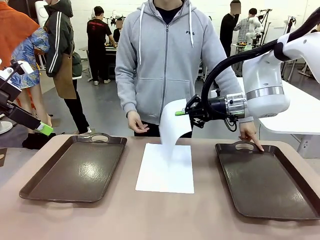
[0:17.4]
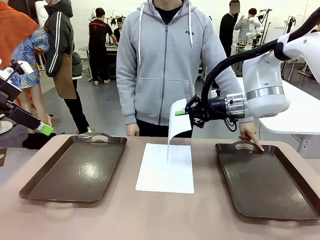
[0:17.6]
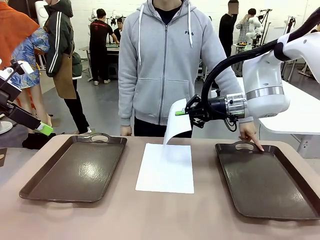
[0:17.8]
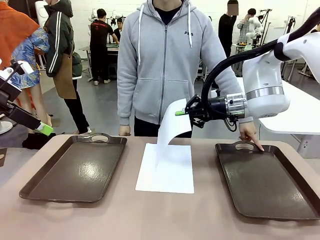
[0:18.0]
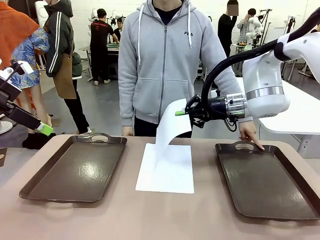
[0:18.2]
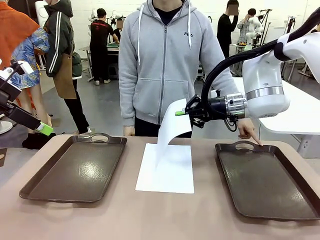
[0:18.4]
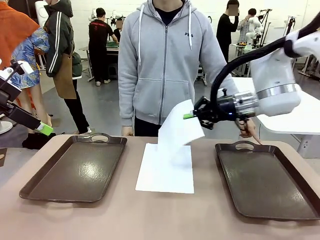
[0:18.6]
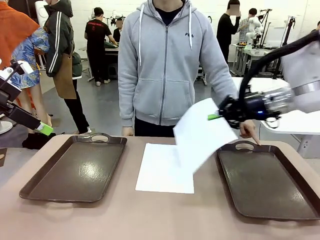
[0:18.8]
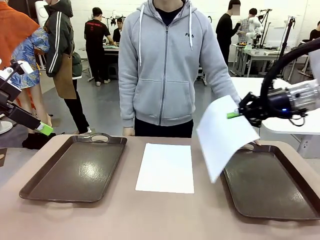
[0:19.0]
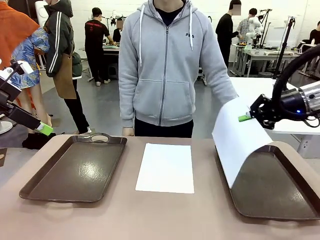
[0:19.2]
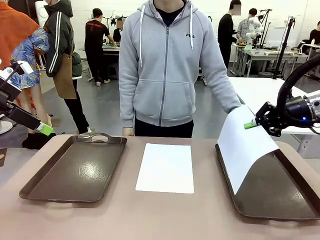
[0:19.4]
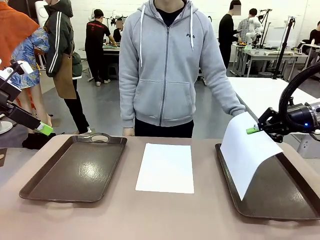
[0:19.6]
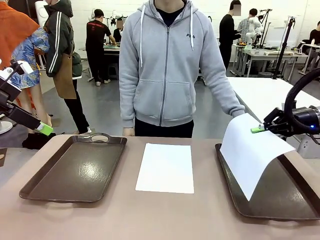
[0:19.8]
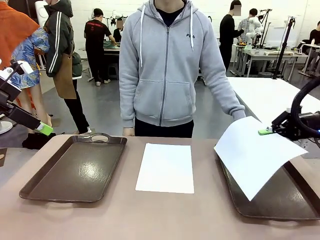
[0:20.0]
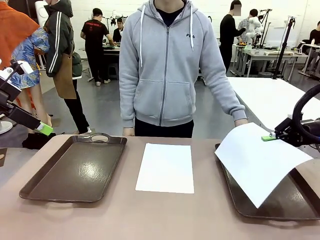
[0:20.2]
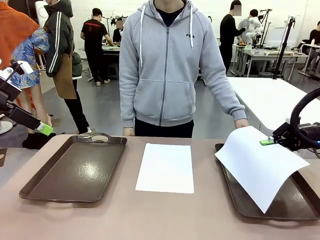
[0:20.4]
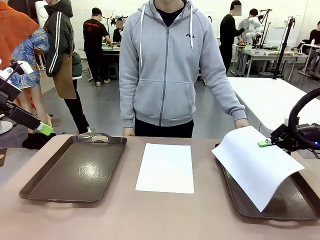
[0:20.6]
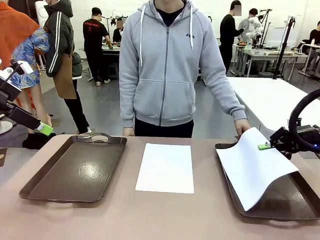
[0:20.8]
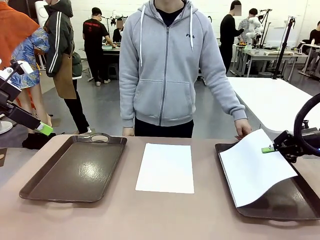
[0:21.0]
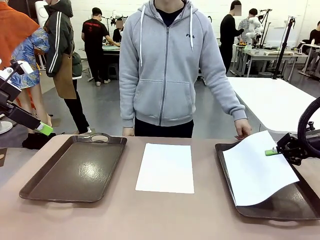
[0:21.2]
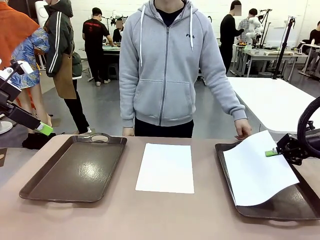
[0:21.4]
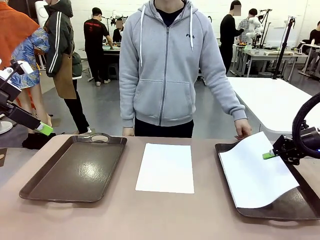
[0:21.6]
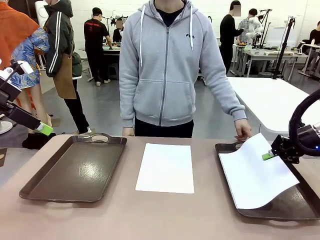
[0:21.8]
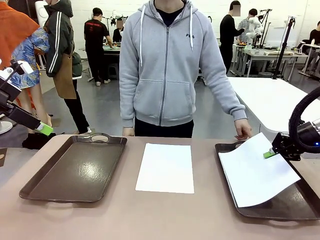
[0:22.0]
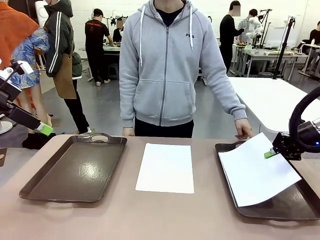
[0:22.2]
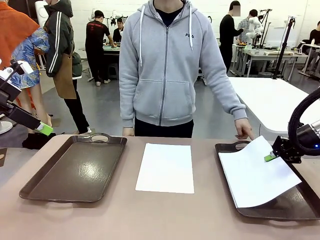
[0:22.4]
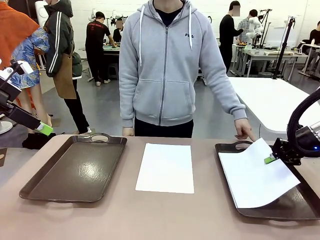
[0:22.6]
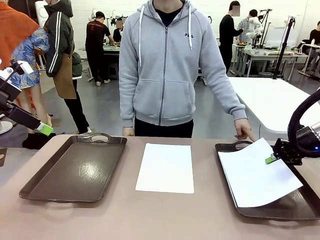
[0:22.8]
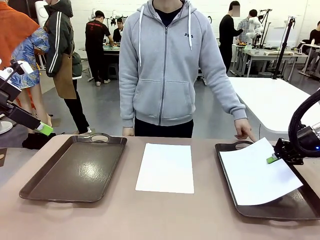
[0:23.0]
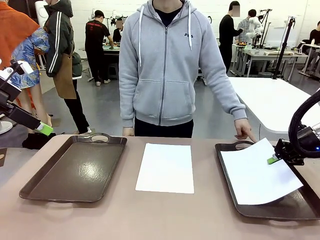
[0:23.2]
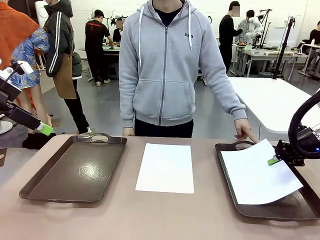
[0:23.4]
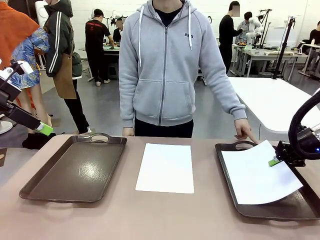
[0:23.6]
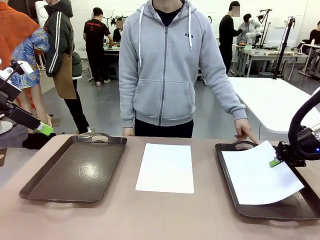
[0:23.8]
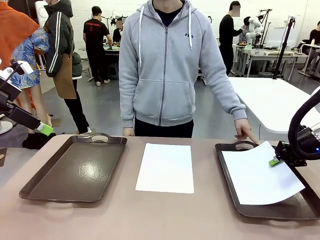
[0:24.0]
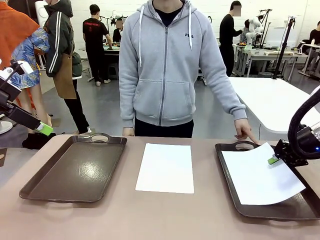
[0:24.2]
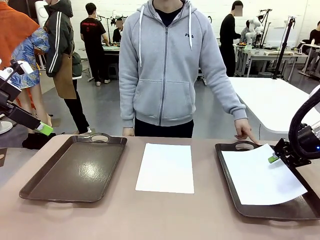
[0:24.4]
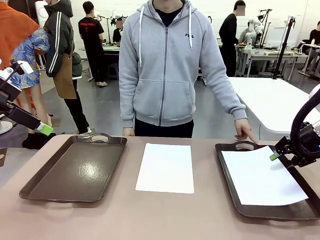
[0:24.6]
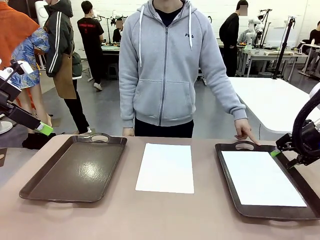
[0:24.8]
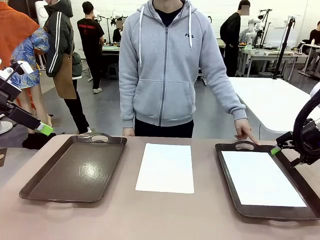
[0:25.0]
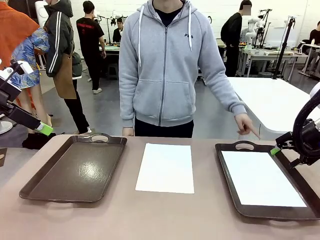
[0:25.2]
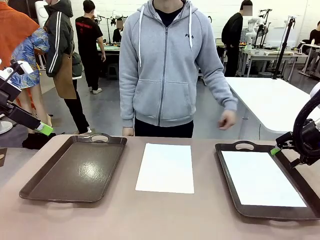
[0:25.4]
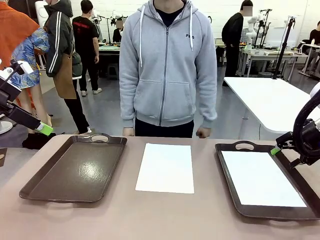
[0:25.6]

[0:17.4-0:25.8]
Task: Sort the A4 documents.
Robot: Place the A4 Paper in the designated Handle tray.

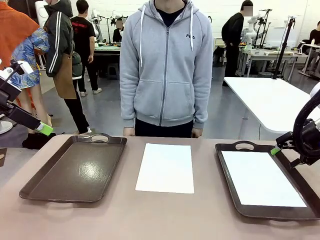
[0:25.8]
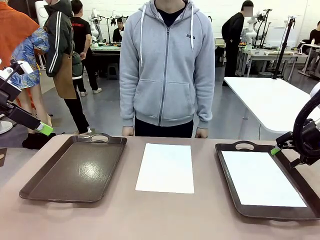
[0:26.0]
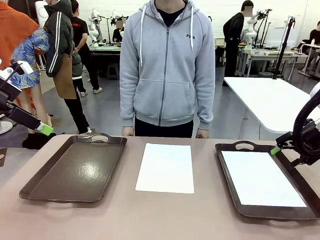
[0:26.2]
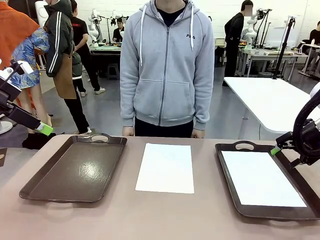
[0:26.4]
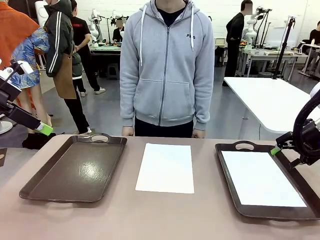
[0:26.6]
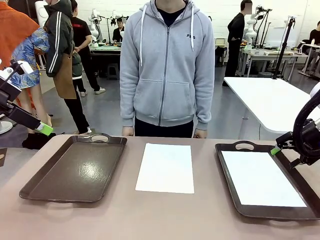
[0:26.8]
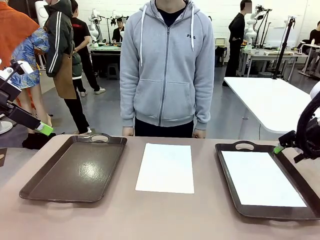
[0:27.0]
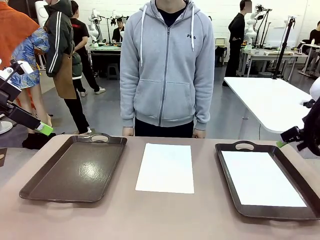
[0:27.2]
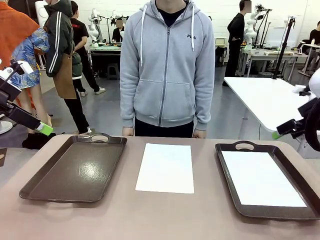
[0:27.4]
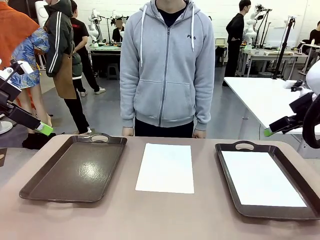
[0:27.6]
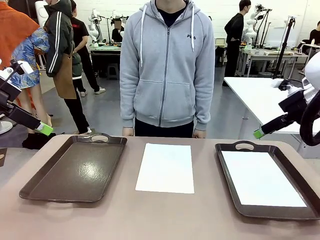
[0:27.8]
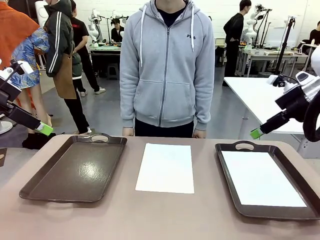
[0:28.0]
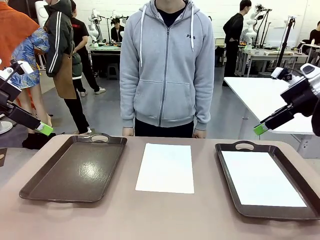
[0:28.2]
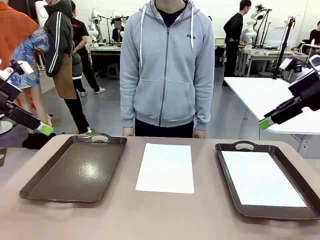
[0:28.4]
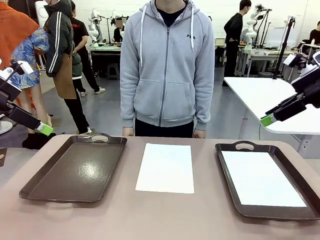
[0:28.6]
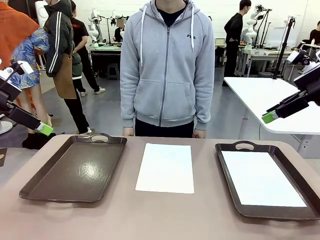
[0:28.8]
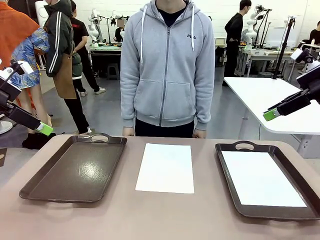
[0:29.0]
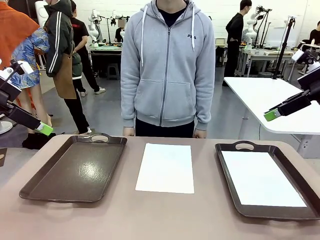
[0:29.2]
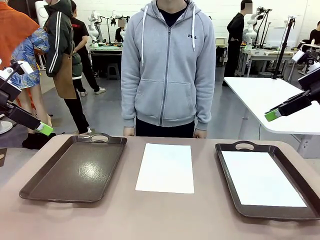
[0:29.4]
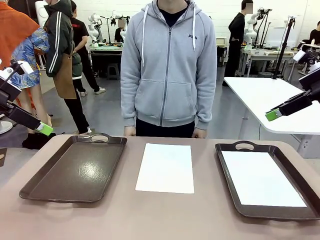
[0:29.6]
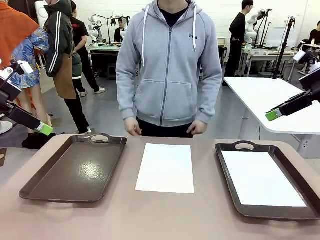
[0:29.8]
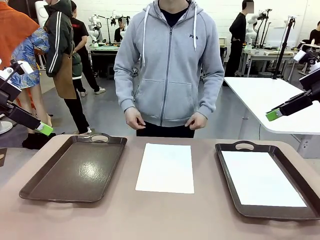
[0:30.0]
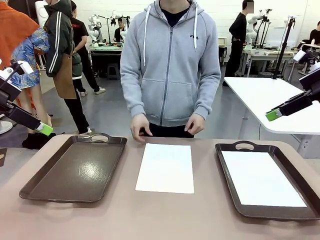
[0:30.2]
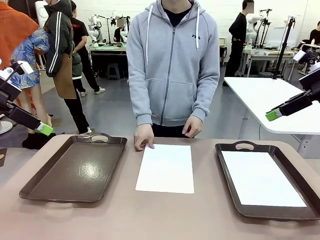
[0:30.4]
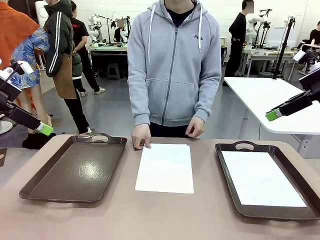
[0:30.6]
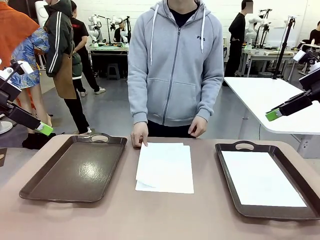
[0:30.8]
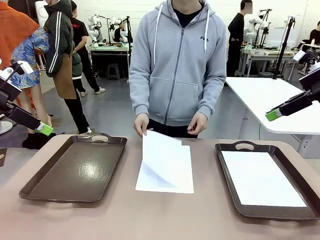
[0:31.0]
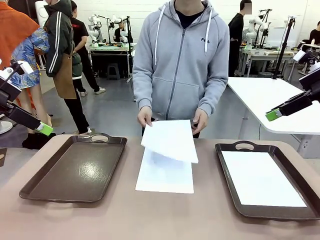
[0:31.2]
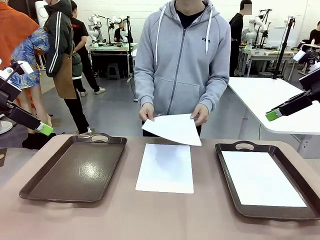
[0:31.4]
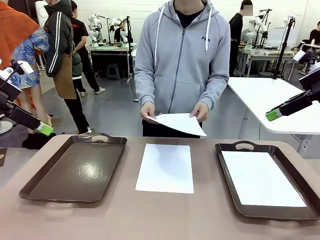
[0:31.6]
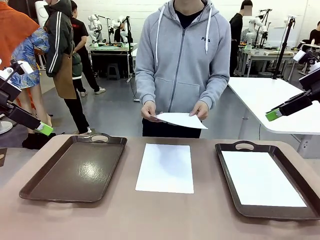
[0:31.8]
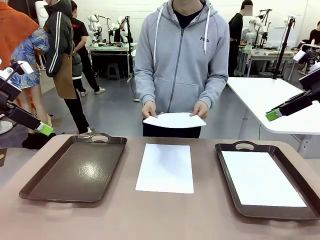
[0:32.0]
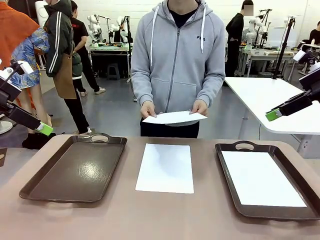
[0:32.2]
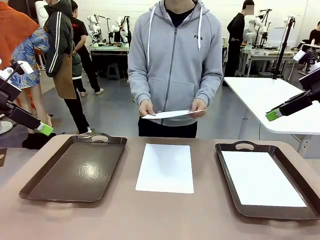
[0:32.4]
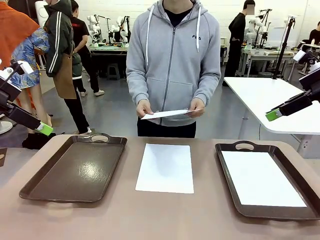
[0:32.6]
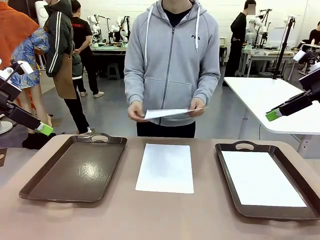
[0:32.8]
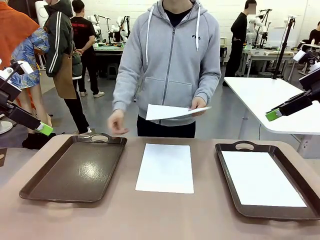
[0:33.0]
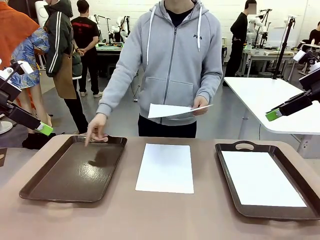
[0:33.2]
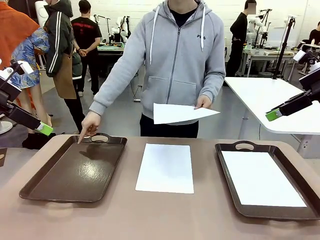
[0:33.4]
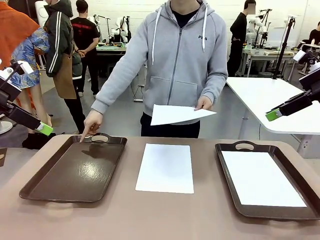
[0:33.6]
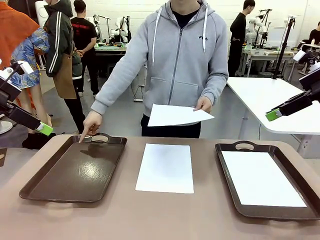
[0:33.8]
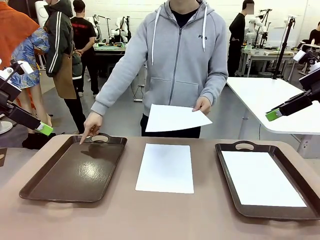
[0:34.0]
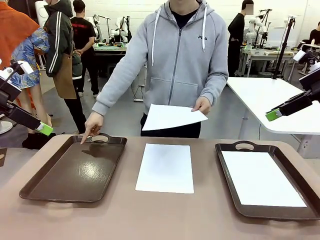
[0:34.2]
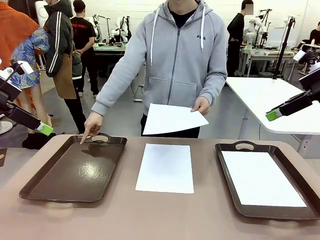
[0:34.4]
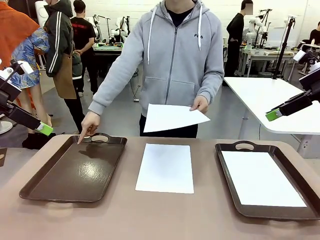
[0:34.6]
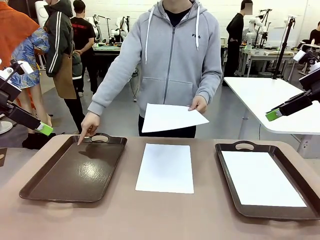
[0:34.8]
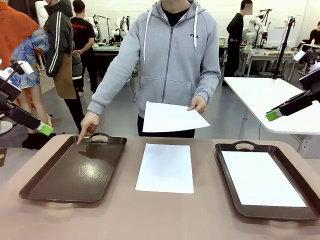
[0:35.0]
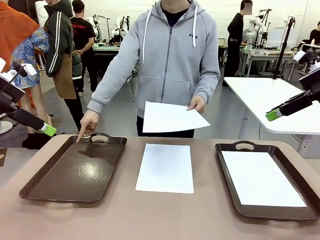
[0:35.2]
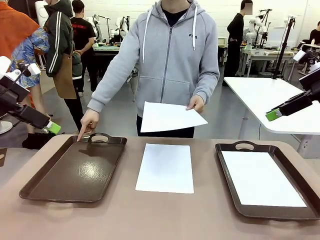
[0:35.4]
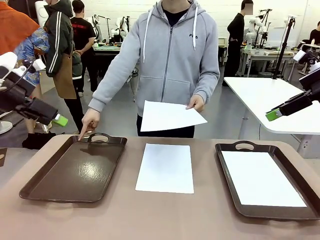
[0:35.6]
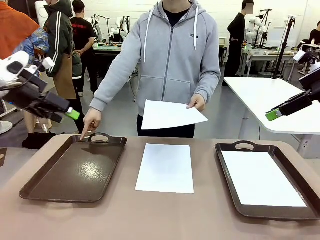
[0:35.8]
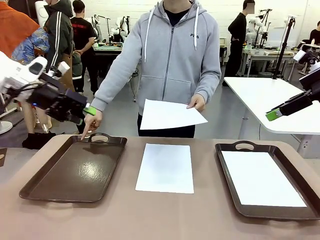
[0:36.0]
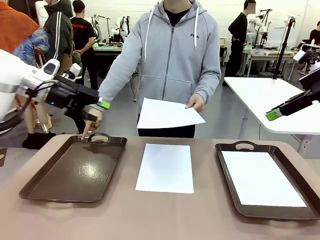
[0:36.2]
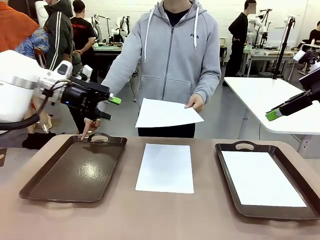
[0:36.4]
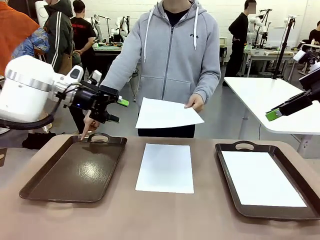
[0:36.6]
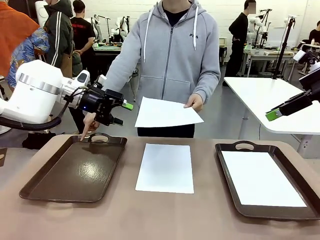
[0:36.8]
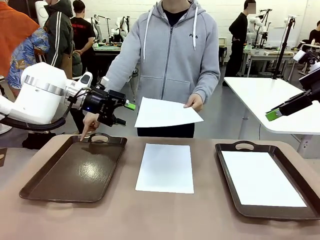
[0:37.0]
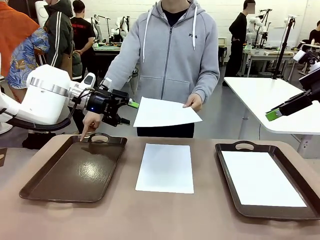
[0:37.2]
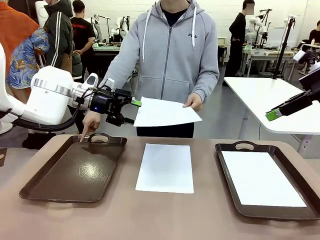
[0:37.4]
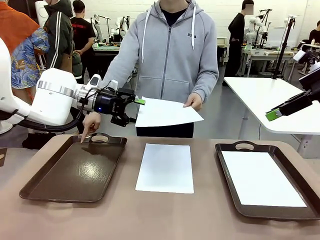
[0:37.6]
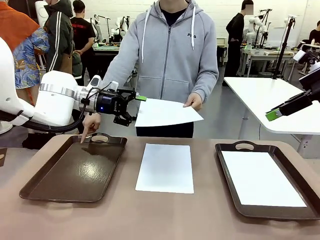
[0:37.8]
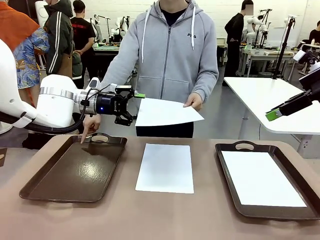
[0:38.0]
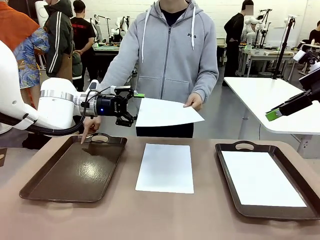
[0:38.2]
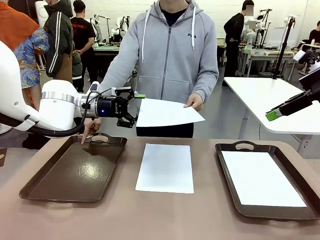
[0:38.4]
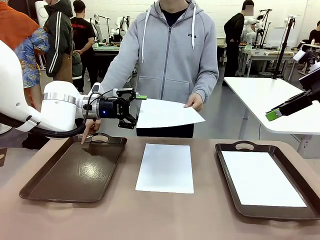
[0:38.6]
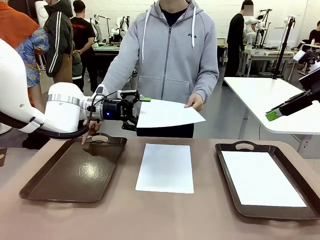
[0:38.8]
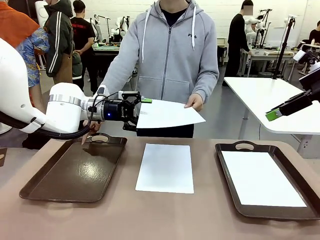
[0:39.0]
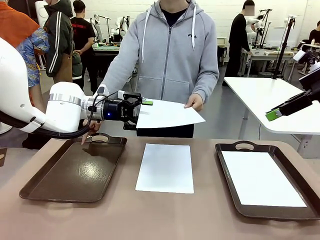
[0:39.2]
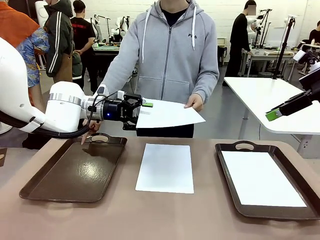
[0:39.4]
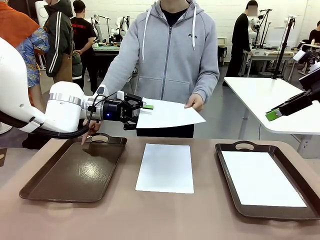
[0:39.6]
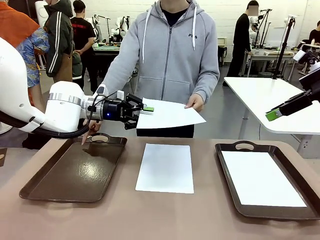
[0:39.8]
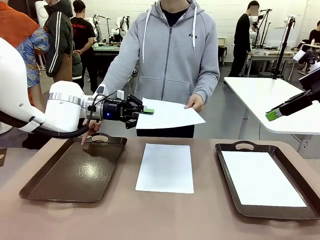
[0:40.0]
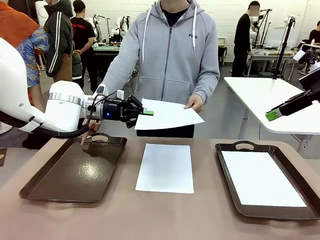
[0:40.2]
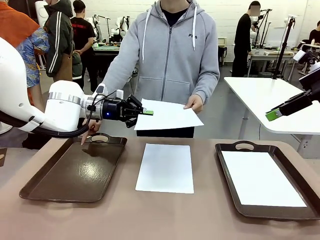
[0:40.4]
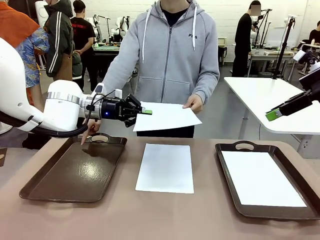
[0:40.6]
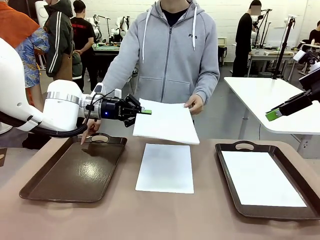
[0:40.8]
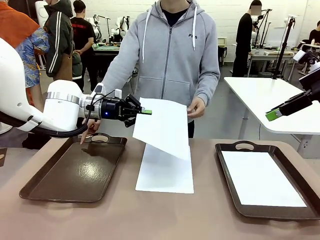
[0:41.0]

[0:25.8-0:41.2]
Robot: Receive the A4 Paper.
Person: Point the randomly selected tray with the other hand.
